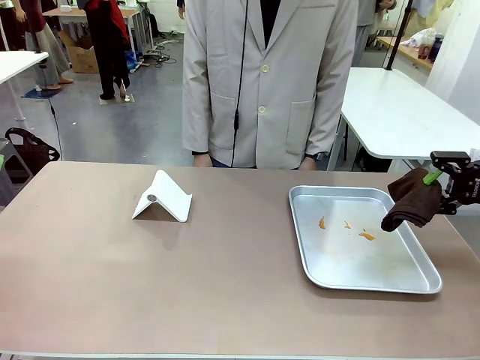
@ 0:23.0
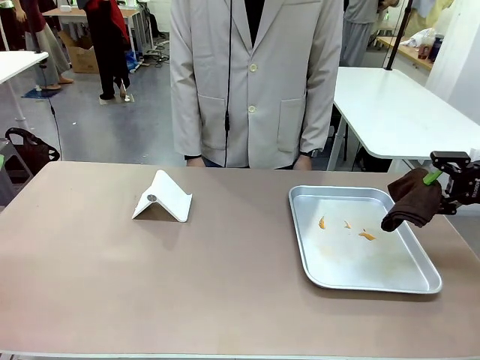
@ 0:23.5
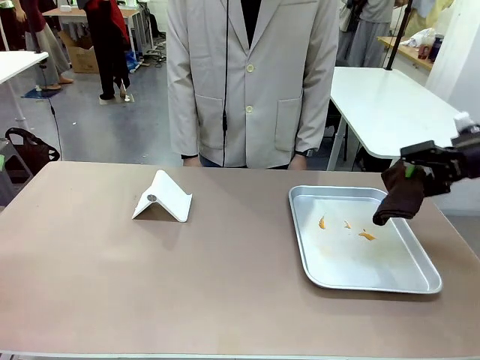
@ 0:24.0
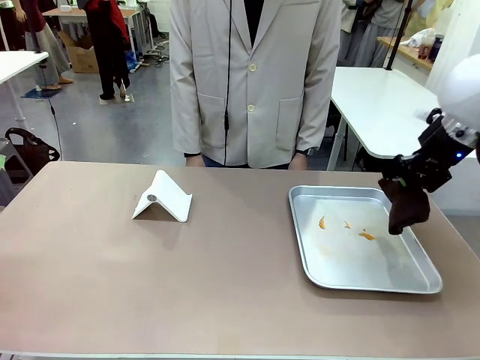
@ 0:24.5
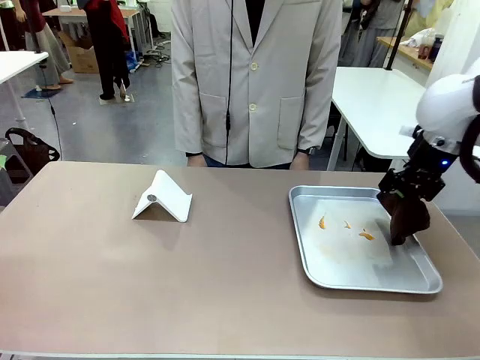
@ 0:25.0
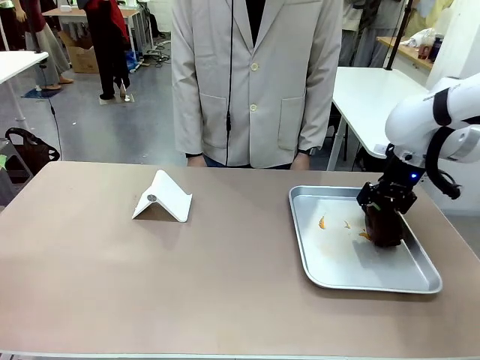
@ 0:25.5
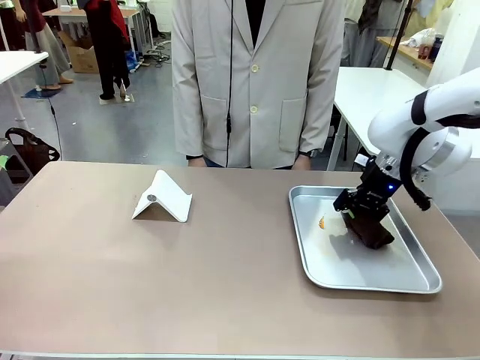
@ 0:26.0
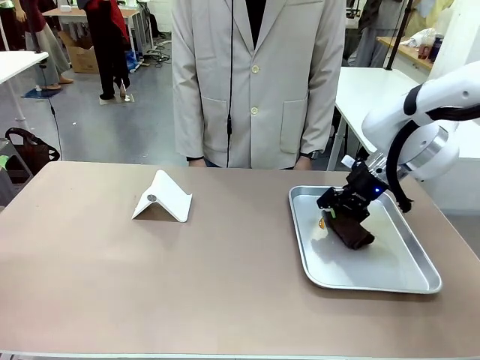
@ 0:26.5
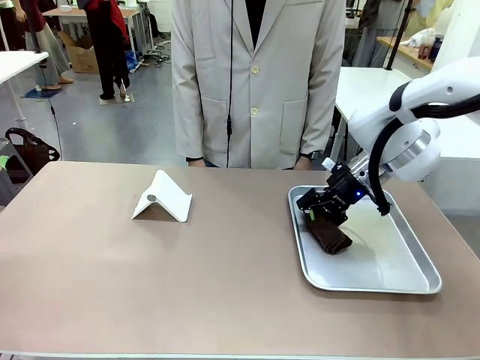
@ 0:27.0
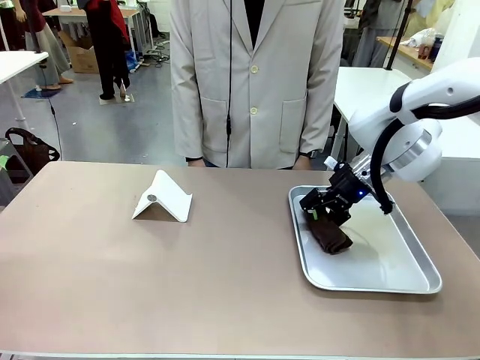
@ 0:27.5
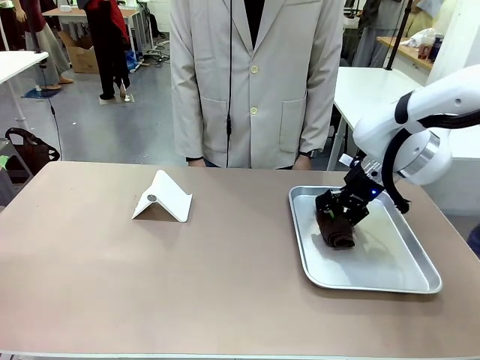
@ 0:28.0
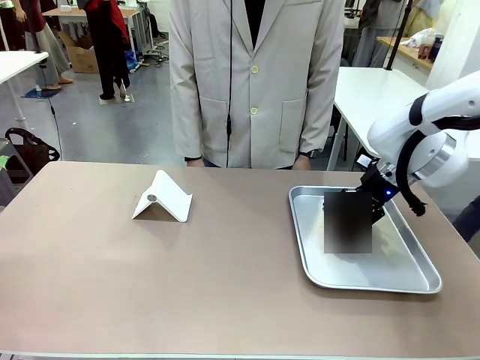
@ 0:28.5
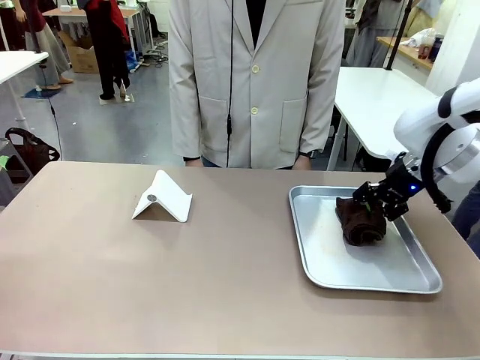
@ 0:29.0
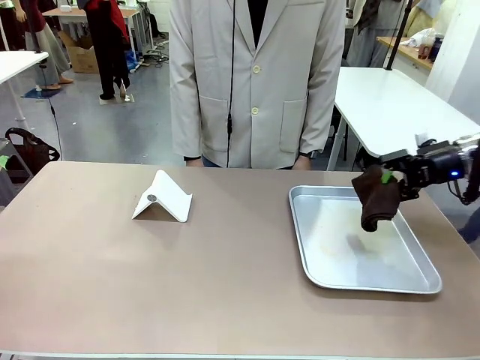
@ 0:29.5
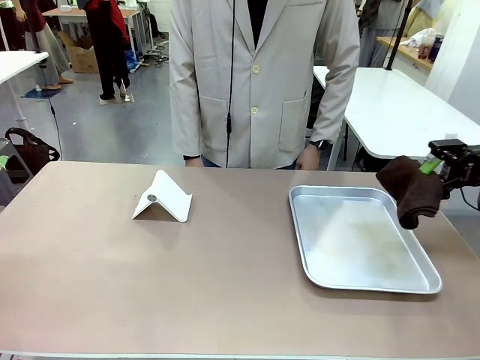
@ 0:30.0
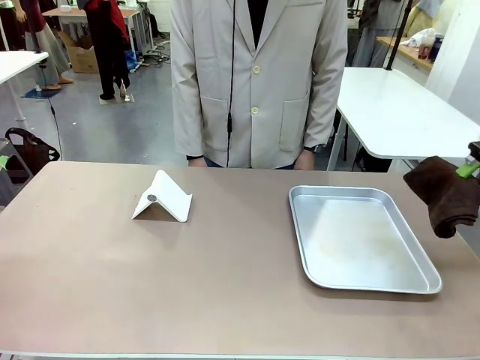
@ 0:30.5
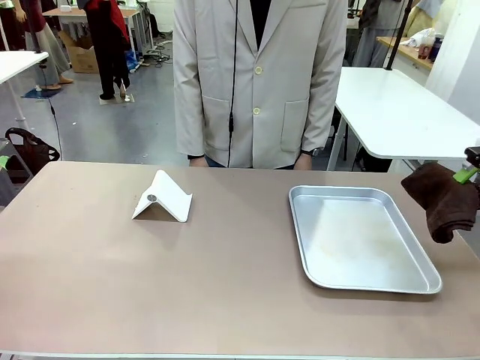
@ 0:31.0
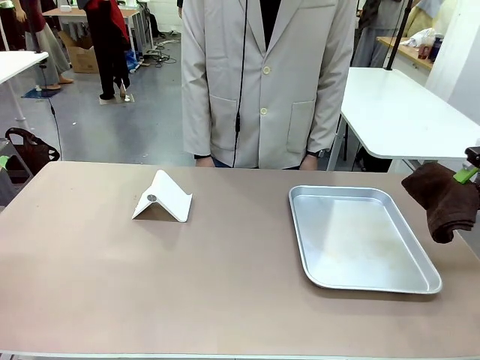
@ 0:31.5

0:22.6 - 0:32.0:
Task: Clean the surface of the table.
Robot: Clean the area not pointed to by the person.

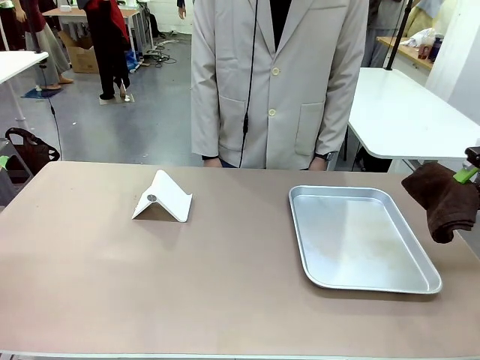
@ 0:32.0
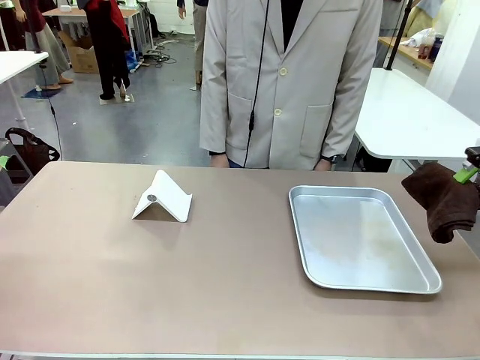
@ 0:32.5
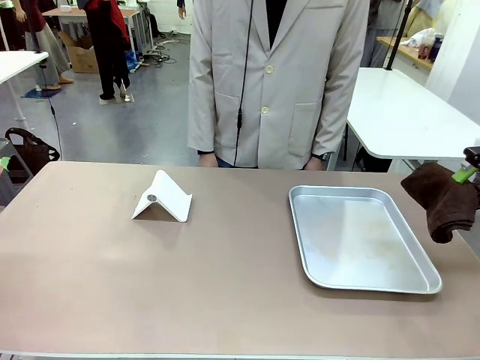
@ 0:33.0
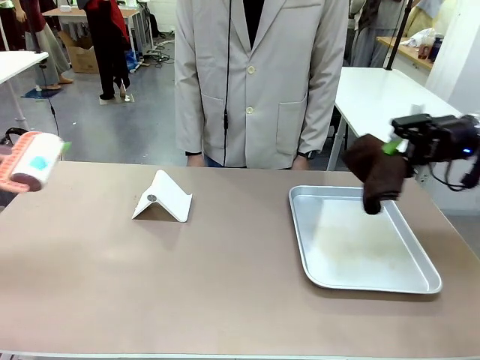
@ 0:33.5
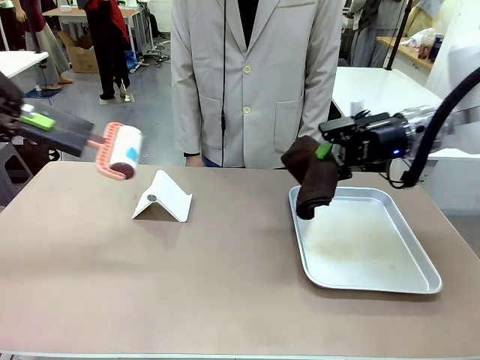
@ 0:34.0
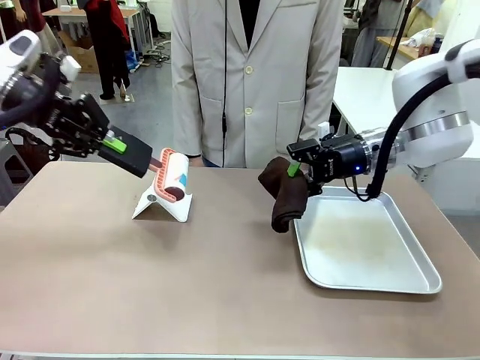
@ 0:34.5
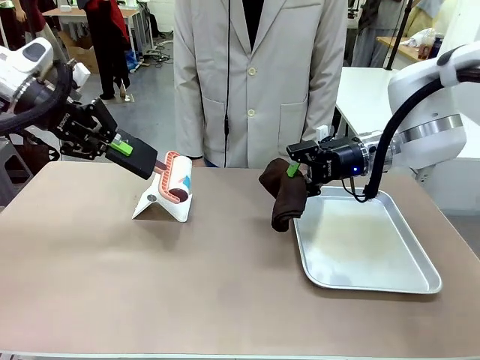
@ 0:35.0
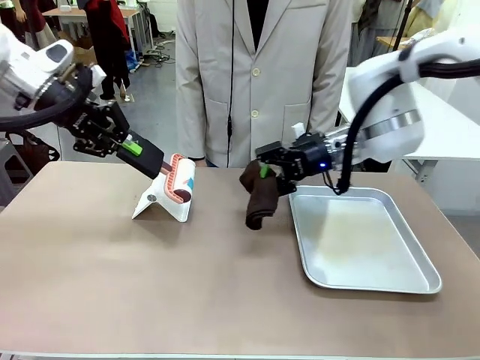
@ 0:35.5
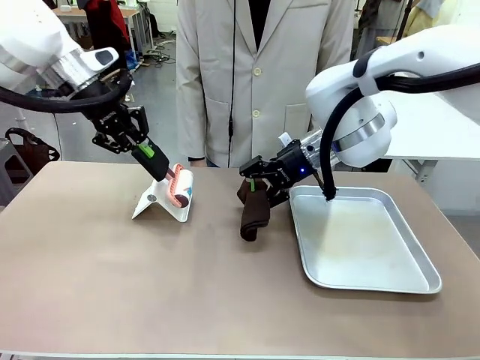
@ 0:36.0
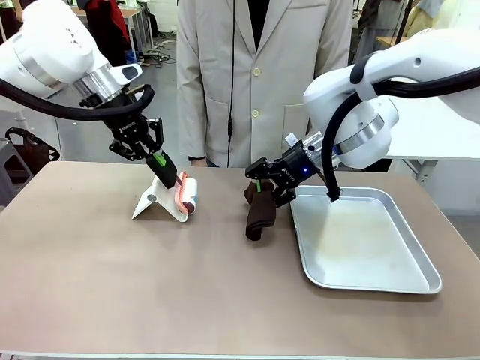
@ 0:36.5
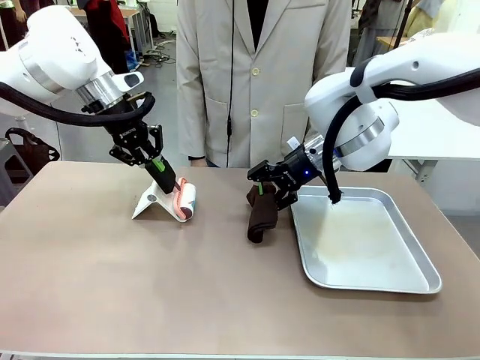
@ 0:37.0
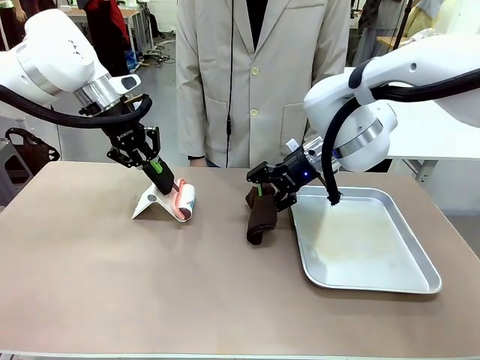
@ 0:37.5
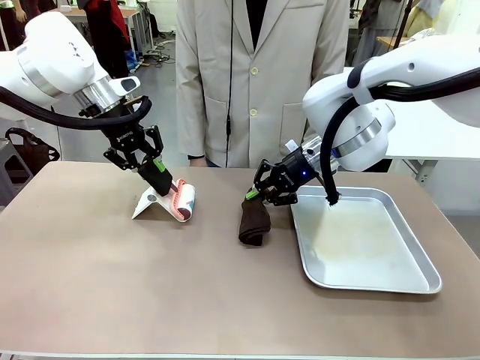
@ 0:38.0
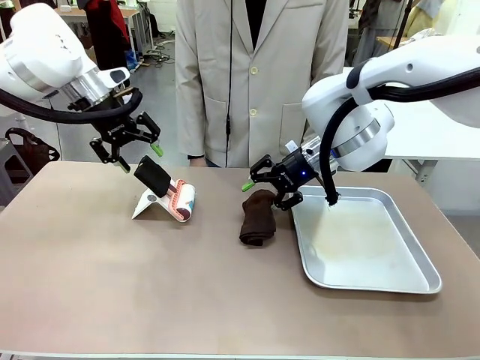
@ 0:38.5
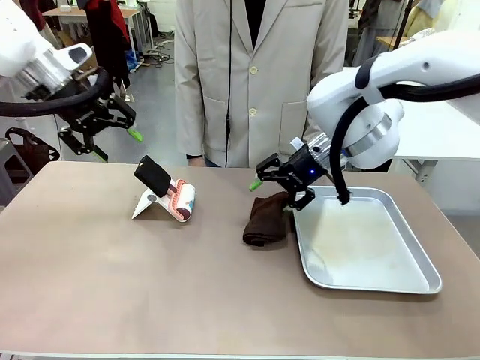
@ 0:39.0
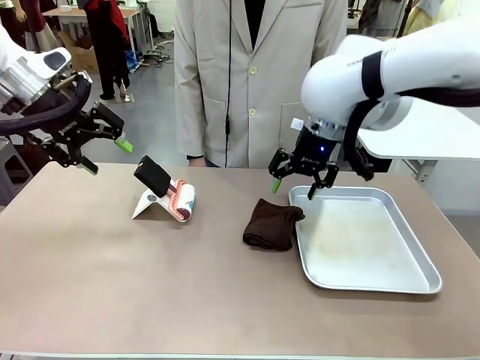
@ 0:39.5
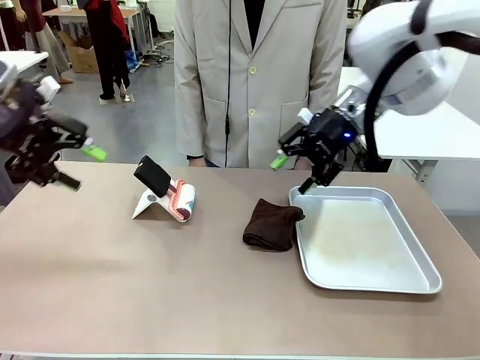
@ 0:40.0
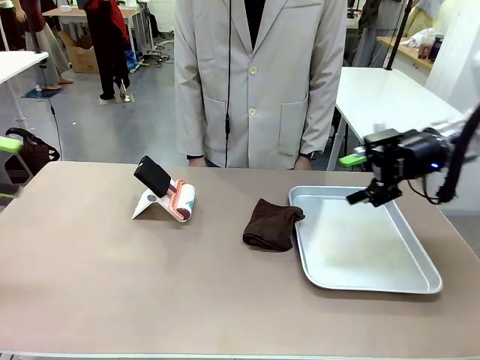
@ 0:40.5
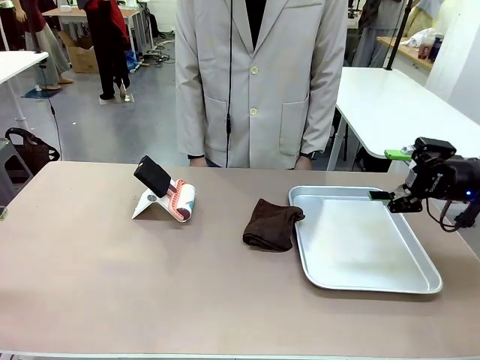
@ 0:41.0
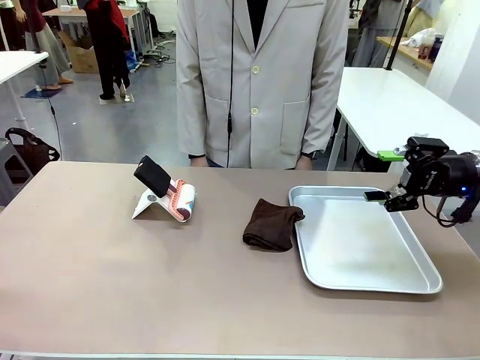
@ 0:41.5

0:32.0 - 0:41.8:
Robot: Return the Lint Roller and towel to their original positions.

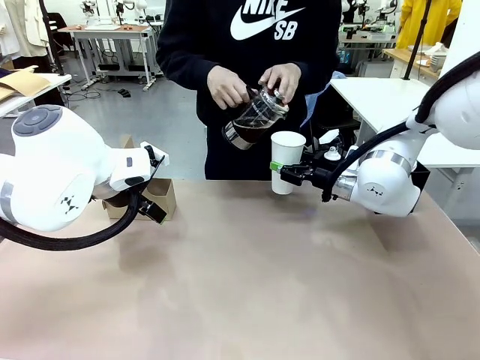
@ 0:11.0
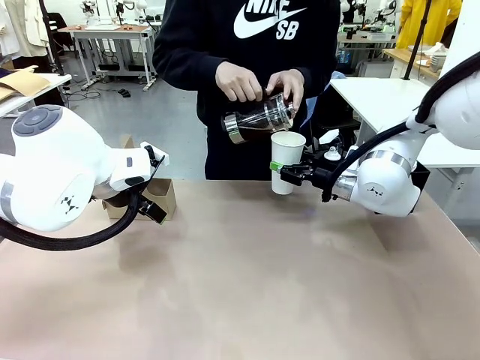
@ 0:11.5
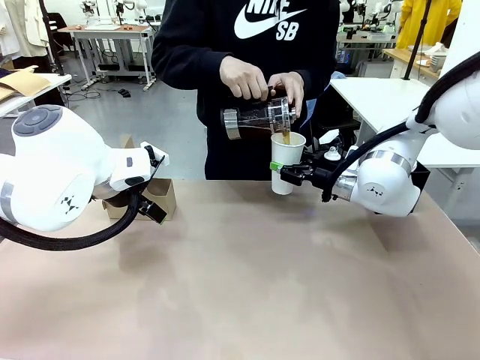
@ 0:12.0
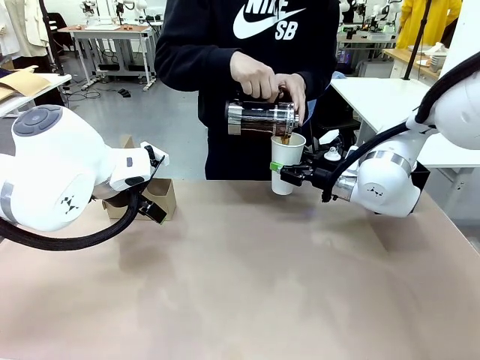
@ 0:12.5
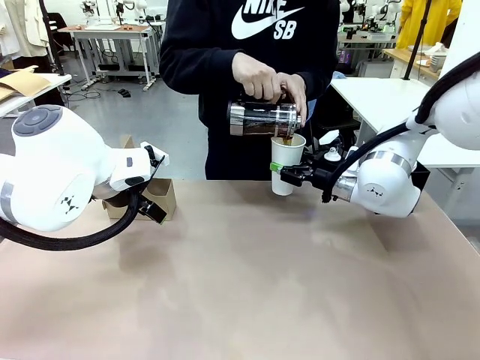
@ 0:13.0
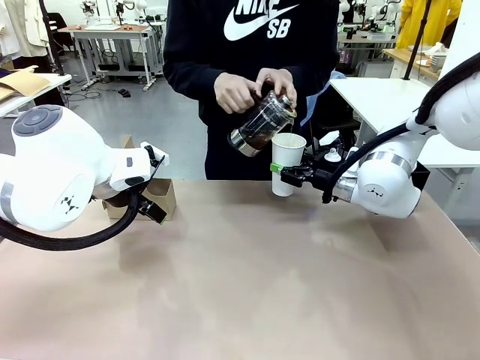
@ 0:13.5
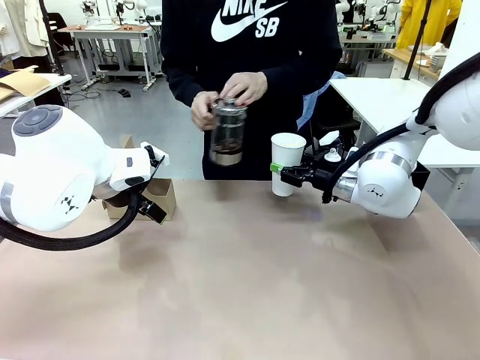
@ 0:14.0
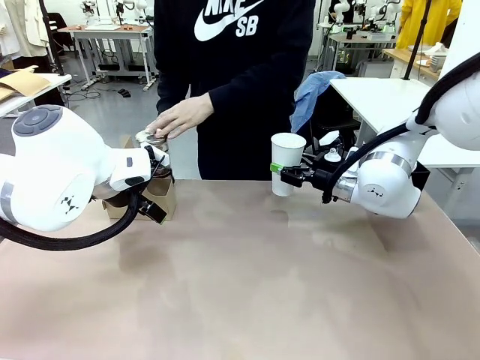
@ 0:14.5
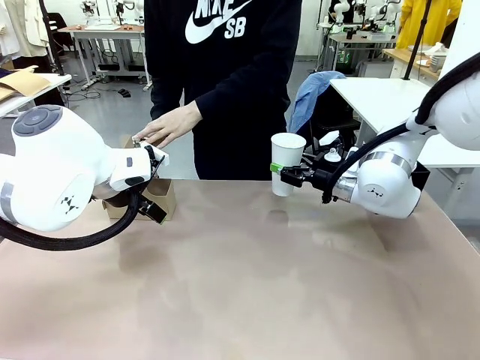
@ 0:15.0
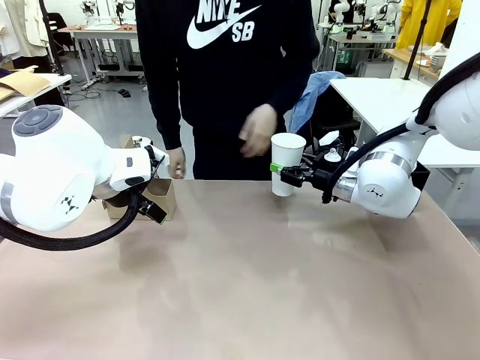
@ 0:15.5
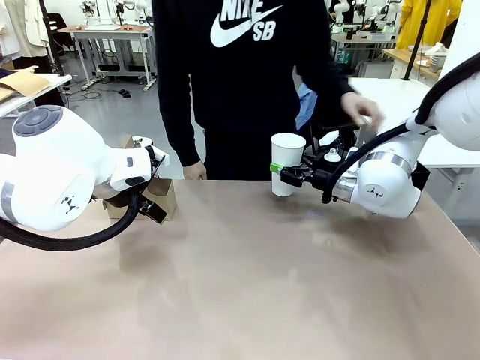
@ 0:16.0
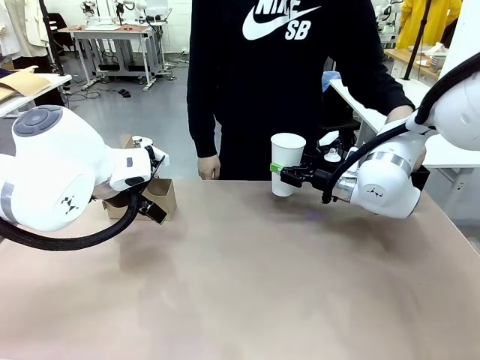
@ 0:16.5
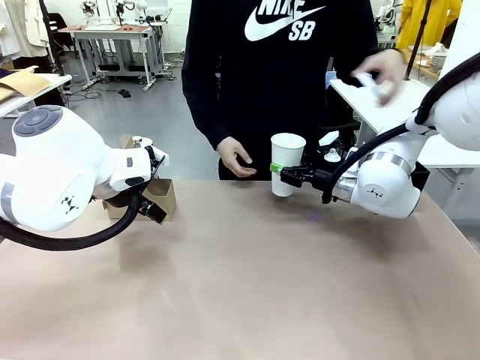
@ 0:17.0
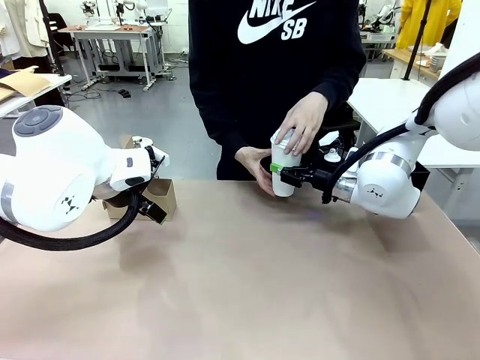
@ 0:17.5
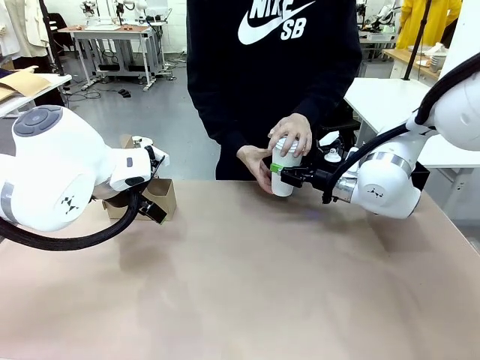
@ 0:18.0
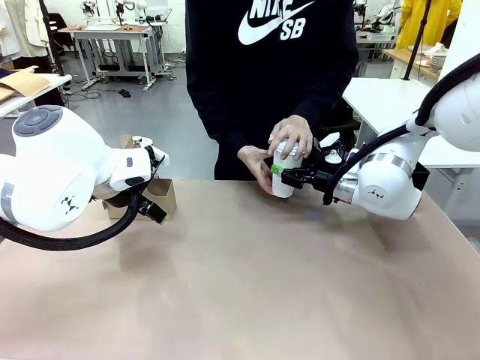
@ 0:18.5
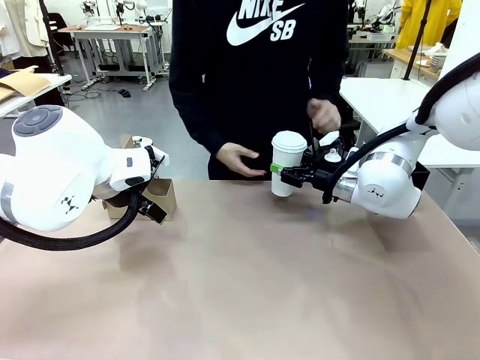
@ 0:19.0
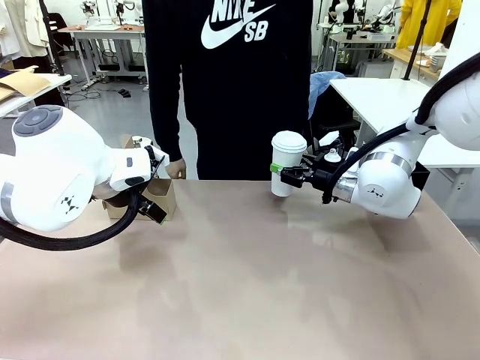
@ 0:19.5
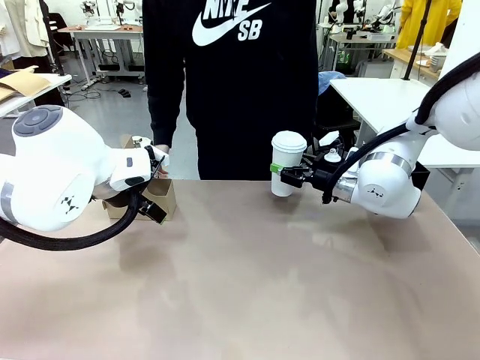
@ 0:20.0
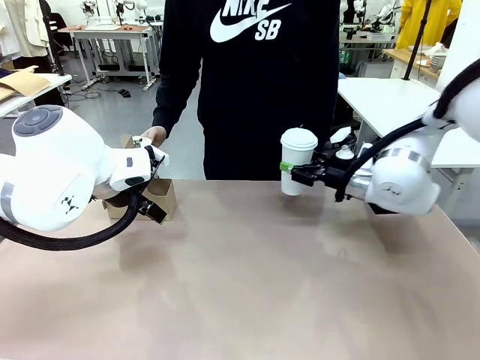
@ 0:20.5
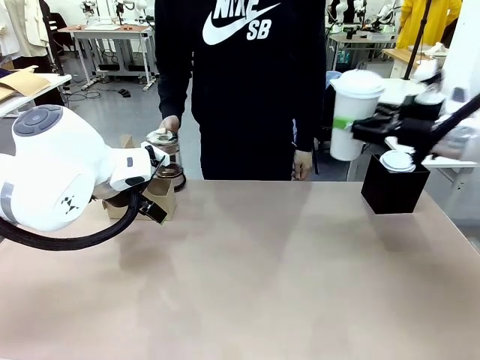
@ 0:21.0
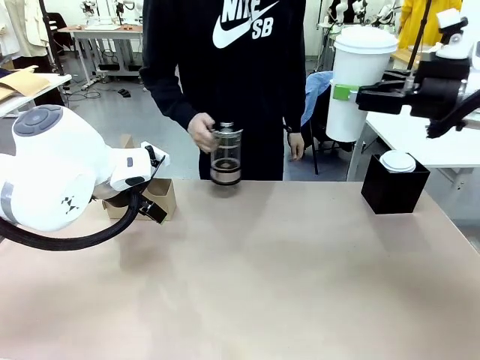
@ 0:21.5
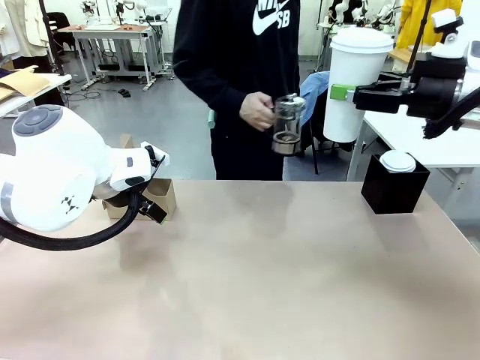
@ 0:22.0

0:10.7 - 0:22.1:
Task: Pour a drink into a cup and package it in a carrier.
Robot: When a person places the Paper Cup Lid on the 600 ml Paper Cup , lift the 600 ml Paper Cup.
Person: Pour the drink from the Filter Brewing into the 600 ml Paper Cup. Place a Paper Cup Lid on the 600 ml Paper Cup.
